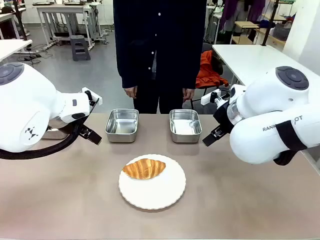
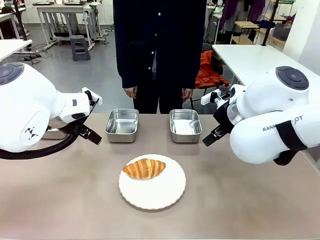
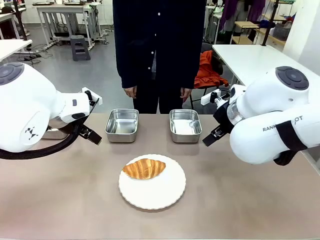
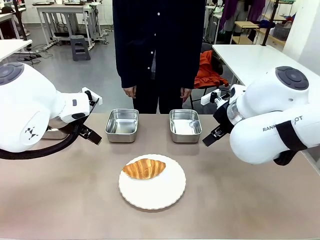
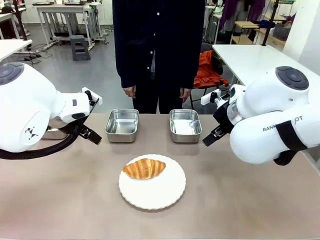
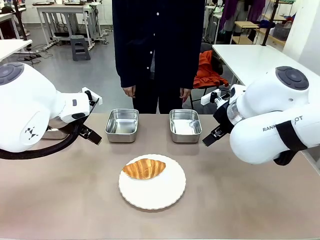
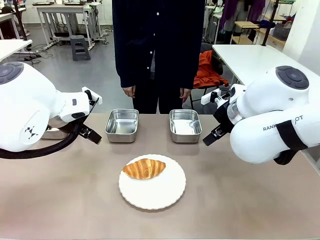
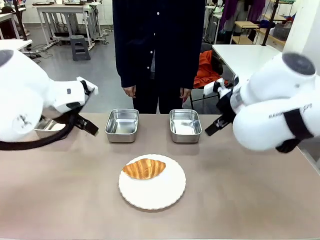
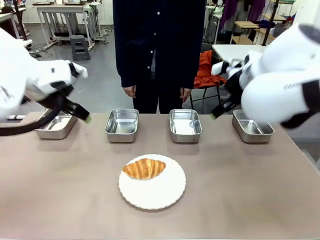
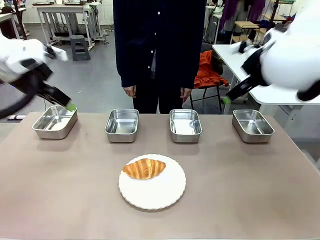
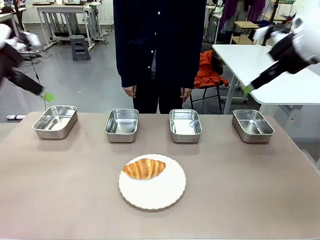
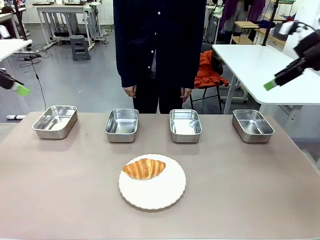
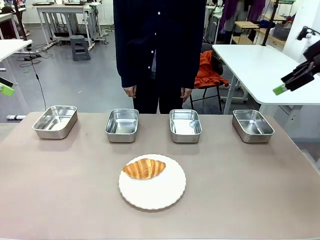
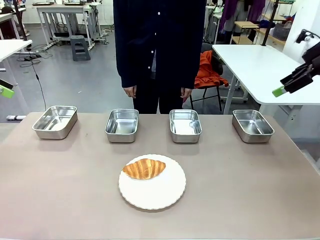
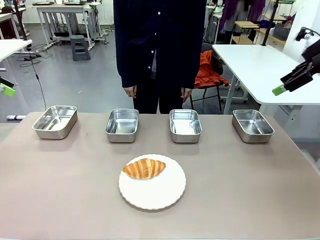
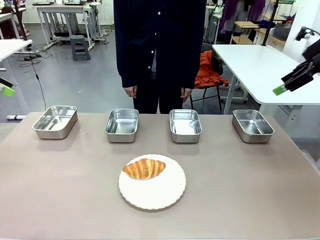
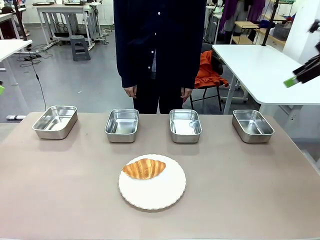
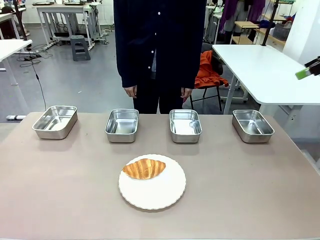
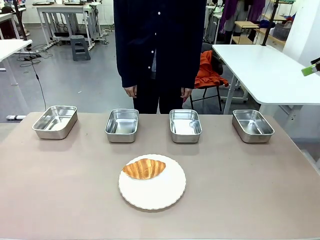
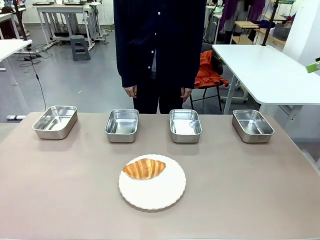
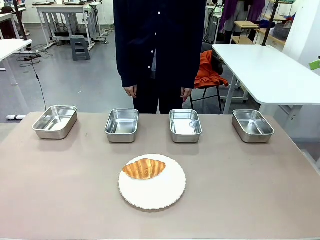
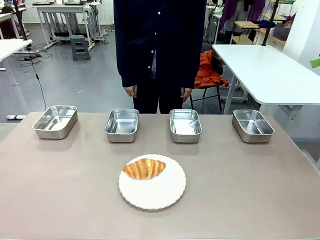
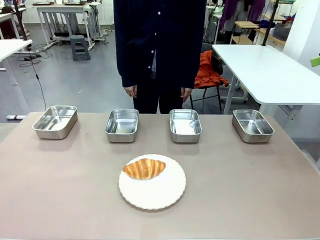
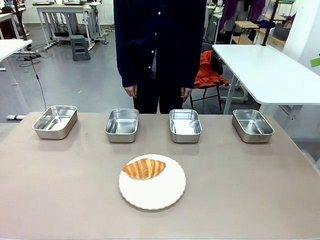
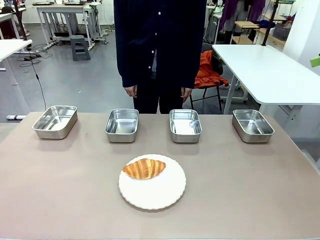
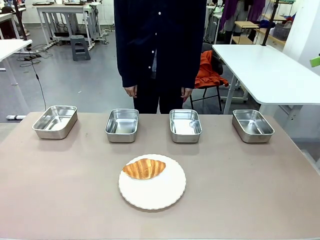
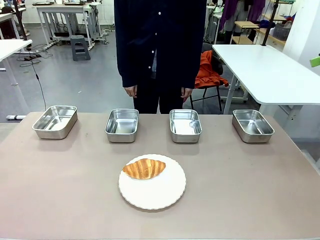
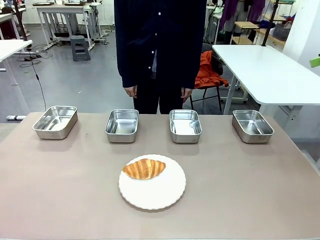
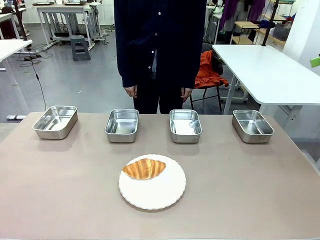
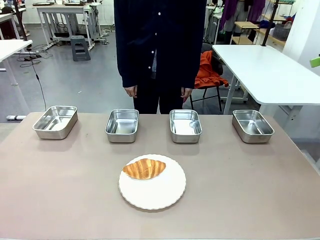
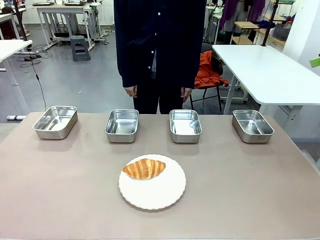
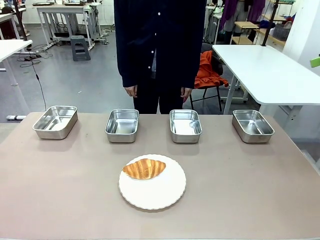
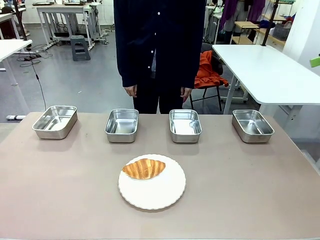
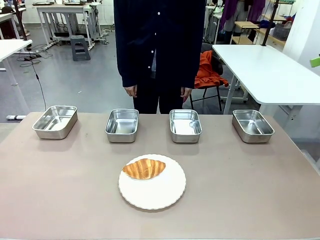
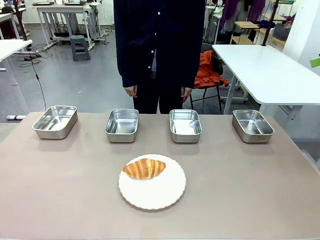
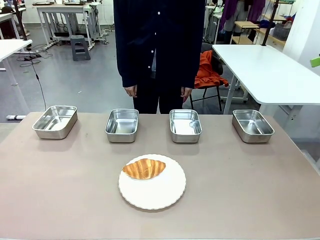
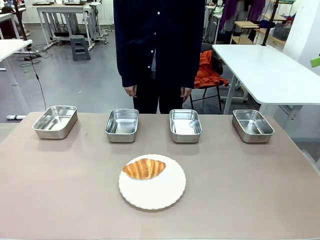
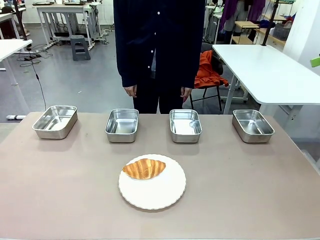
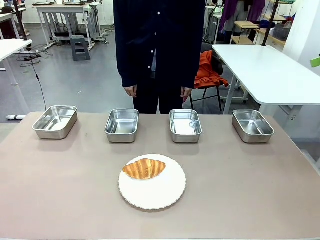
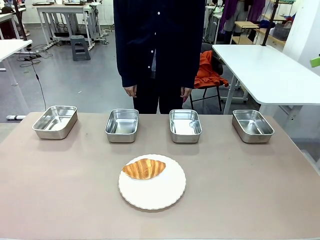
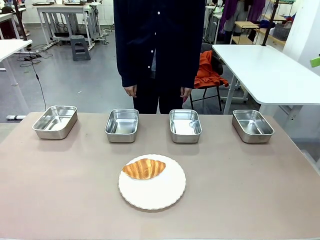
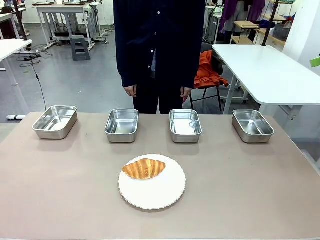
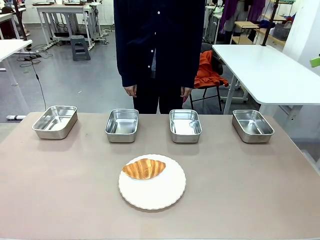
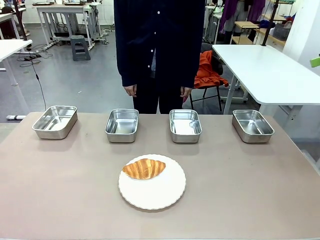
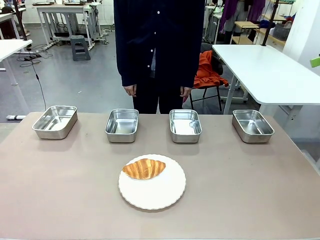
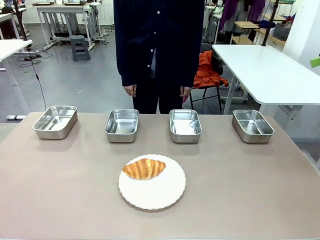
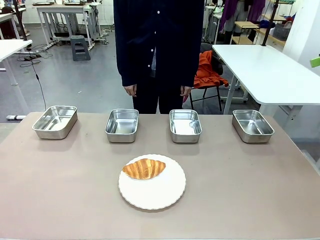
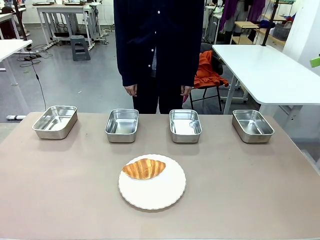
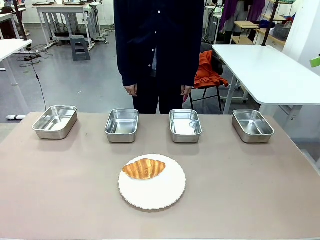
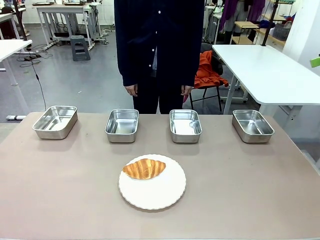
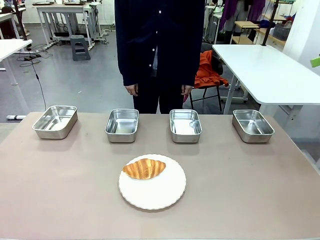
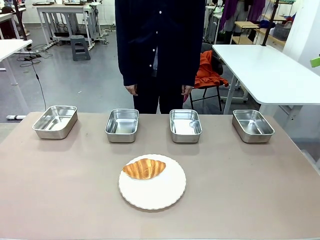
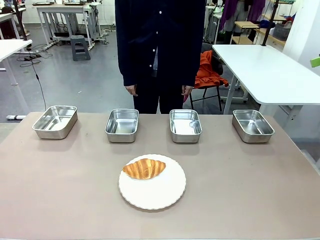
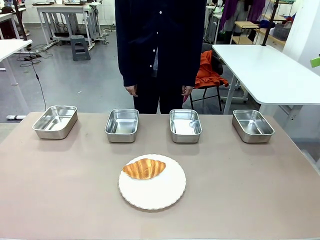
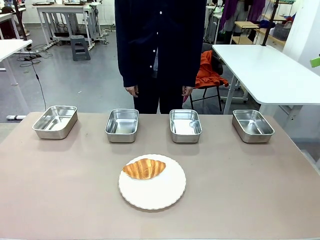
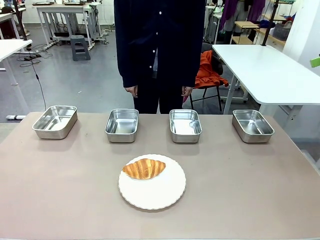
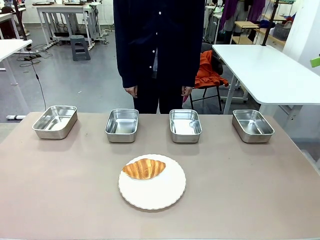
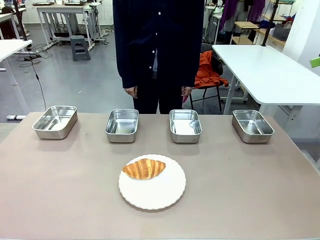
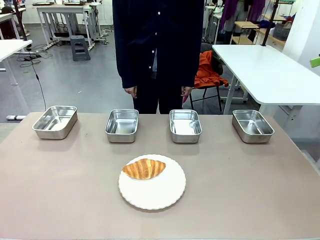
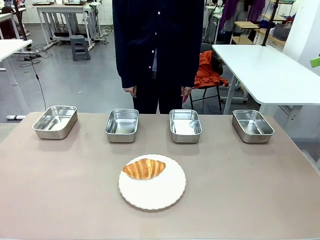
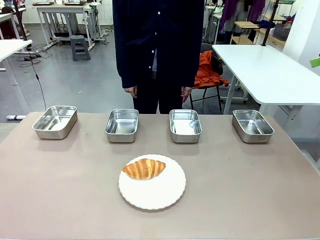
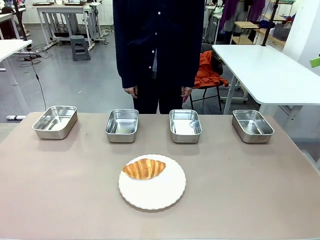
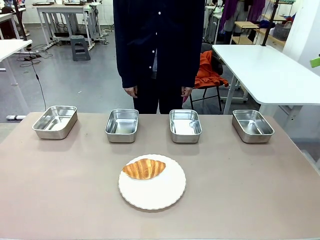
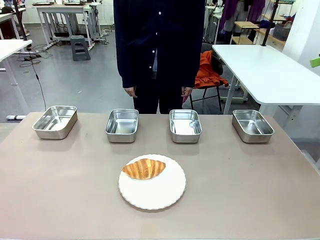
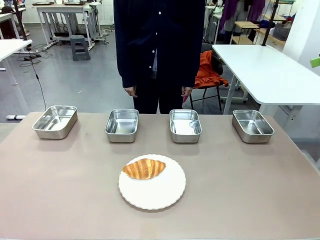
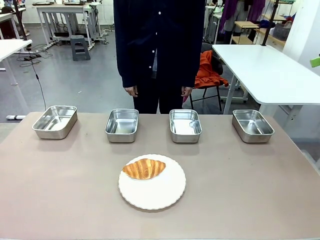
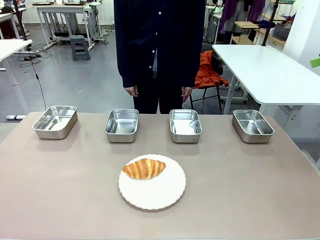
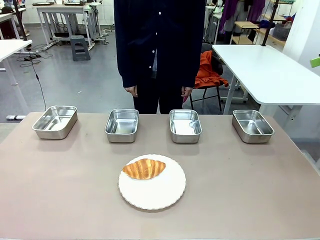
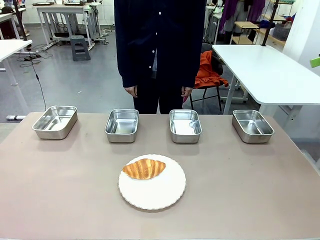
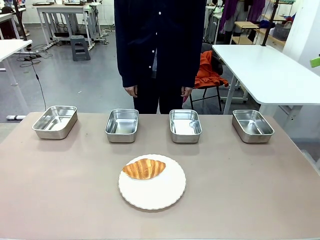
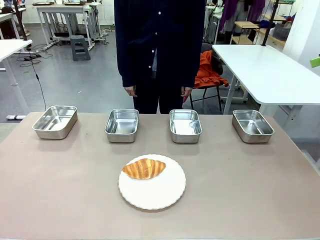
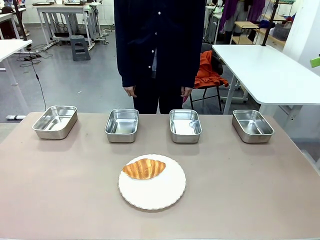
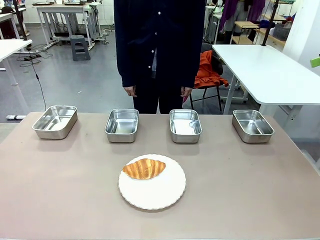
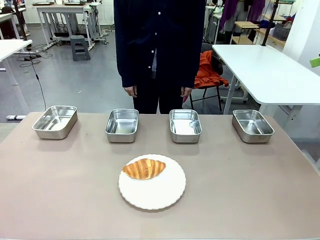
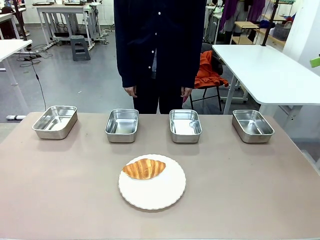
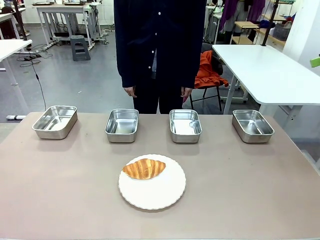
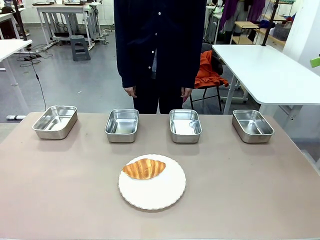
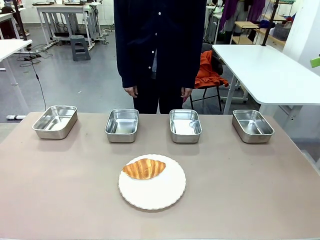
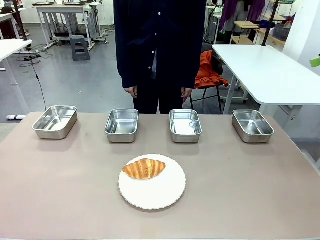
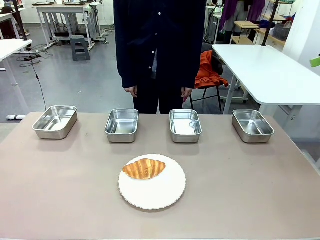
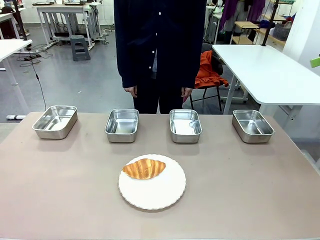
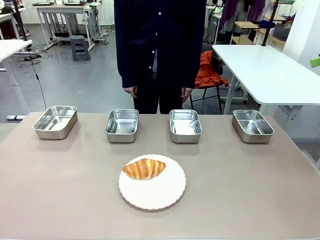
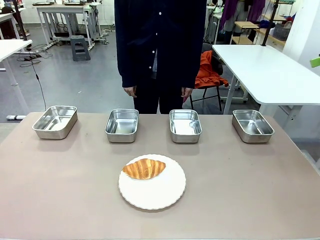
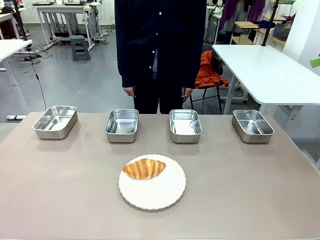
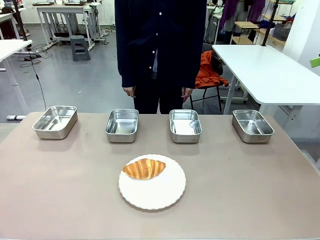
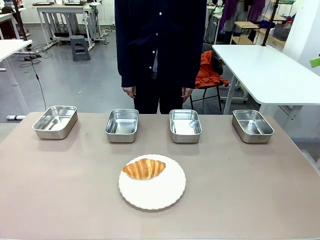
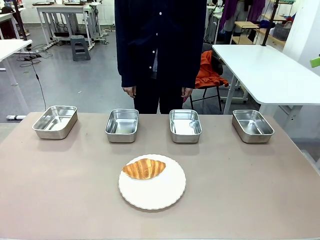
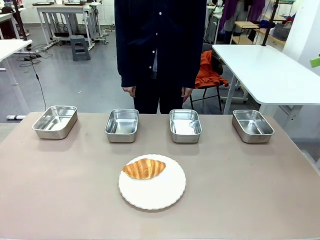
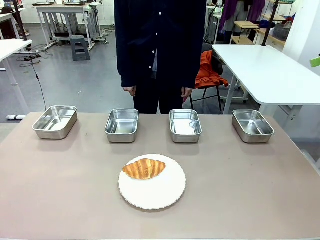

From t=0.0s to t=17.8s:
Task: Place the bread in the container.
Robot: Place the Butter Roll into the Airtight Container indicated by the human.
